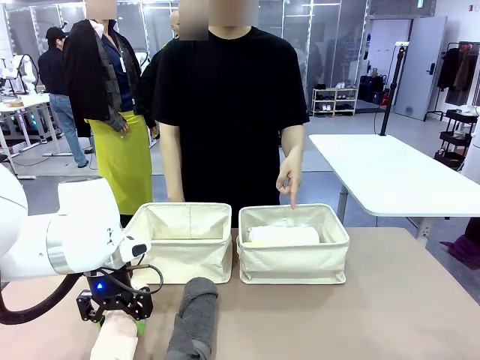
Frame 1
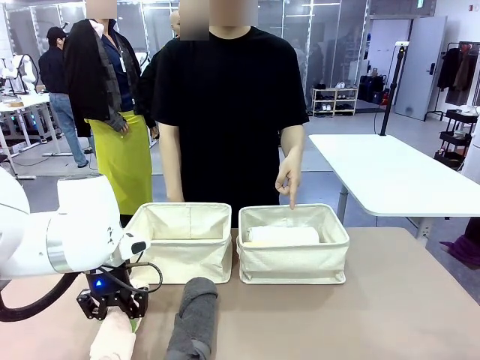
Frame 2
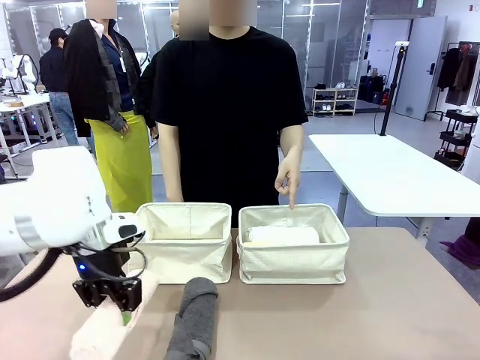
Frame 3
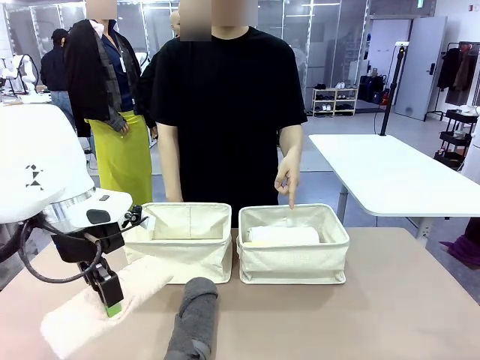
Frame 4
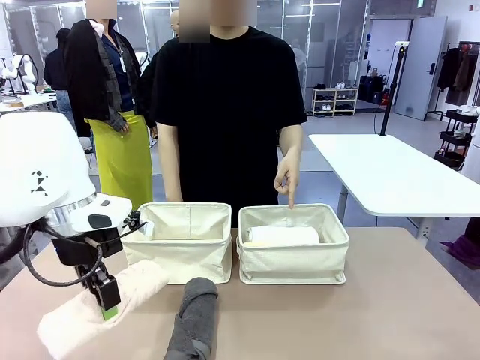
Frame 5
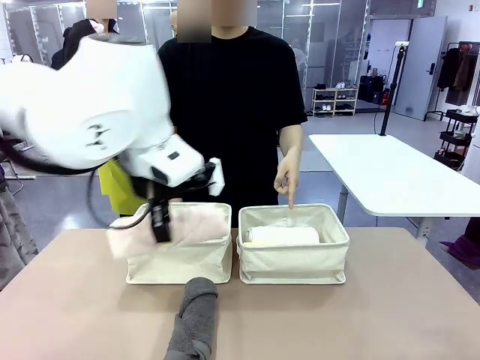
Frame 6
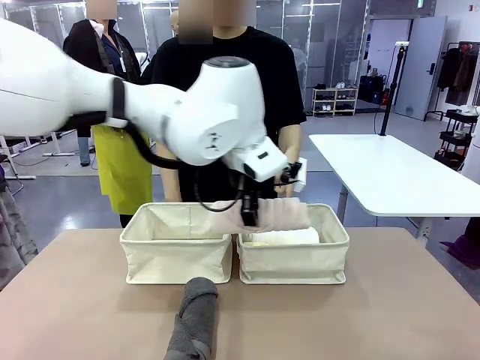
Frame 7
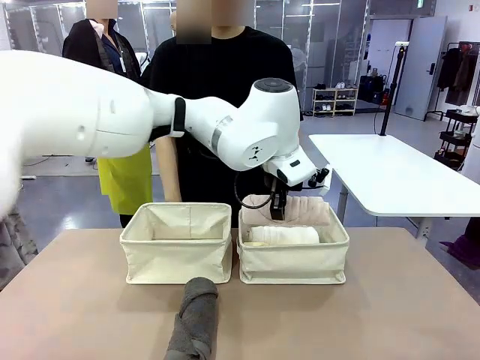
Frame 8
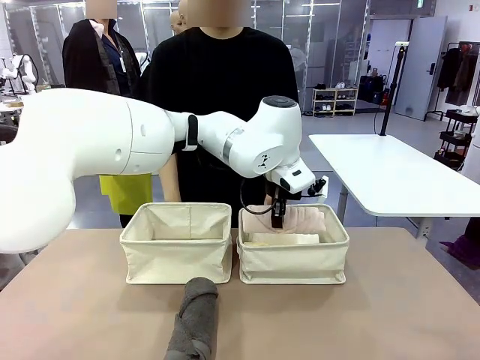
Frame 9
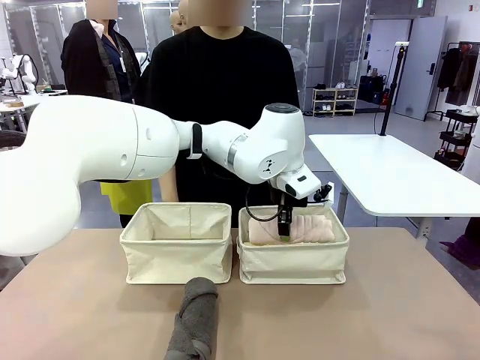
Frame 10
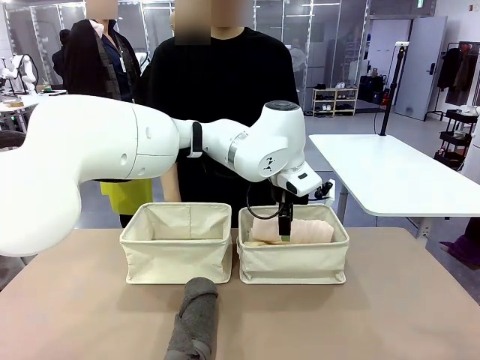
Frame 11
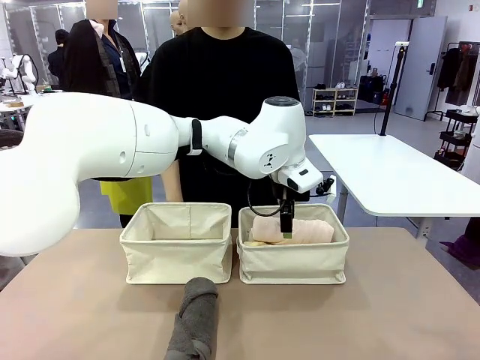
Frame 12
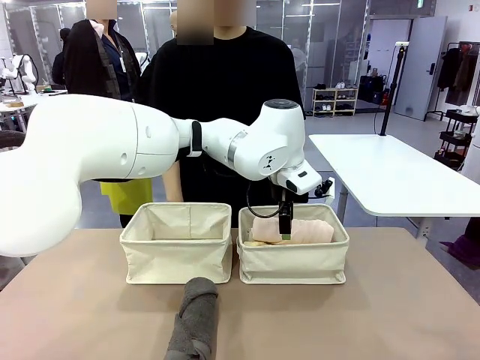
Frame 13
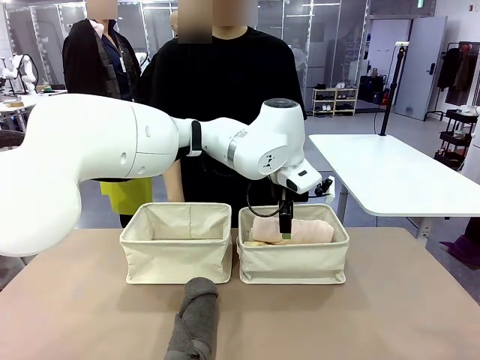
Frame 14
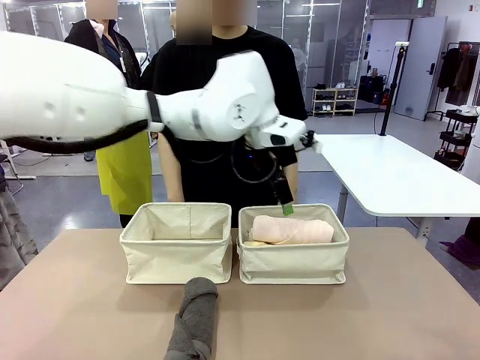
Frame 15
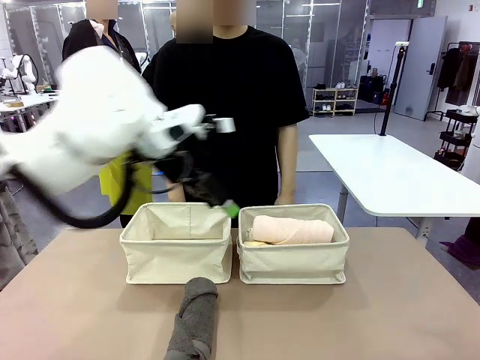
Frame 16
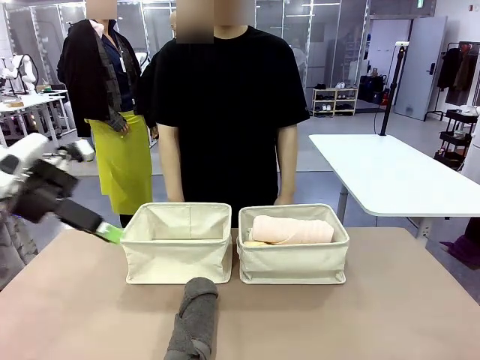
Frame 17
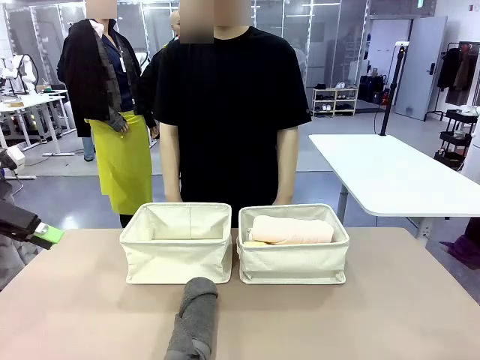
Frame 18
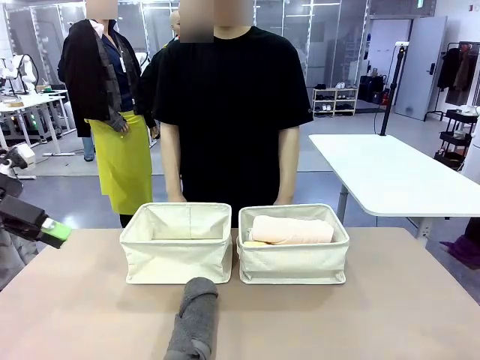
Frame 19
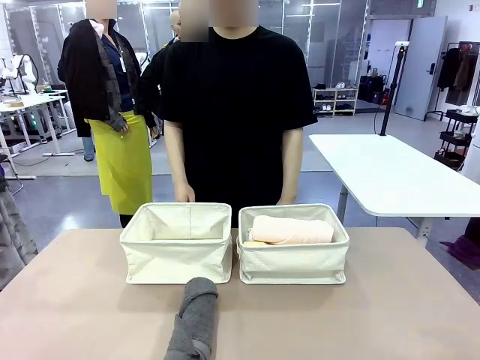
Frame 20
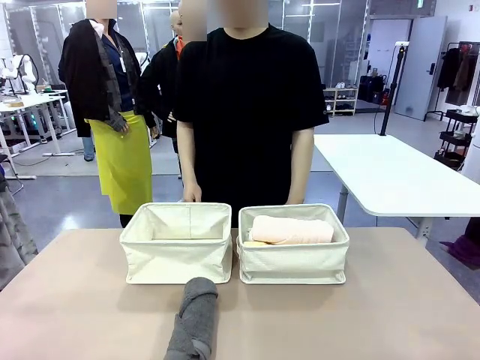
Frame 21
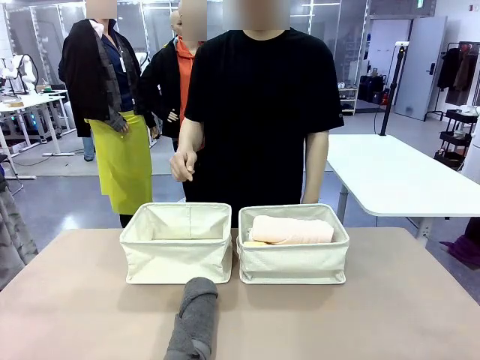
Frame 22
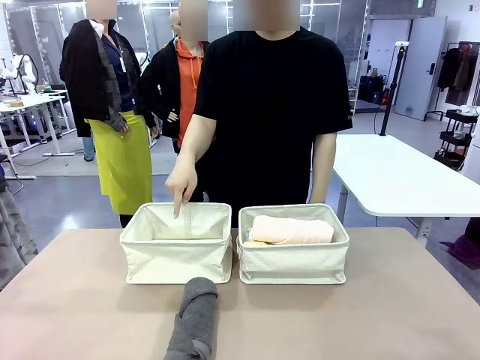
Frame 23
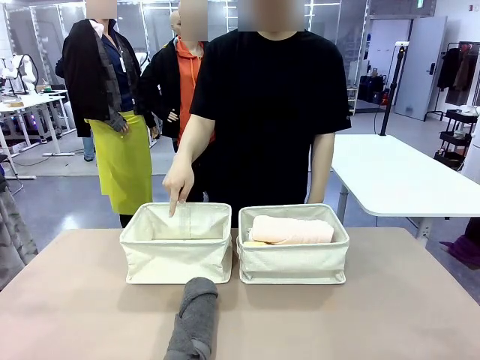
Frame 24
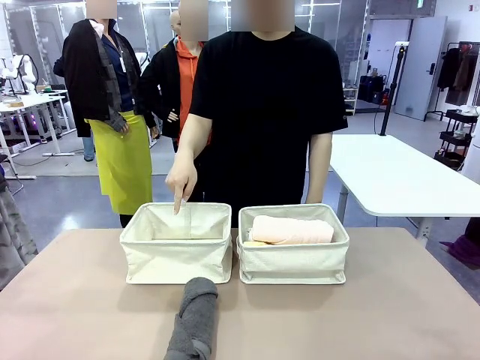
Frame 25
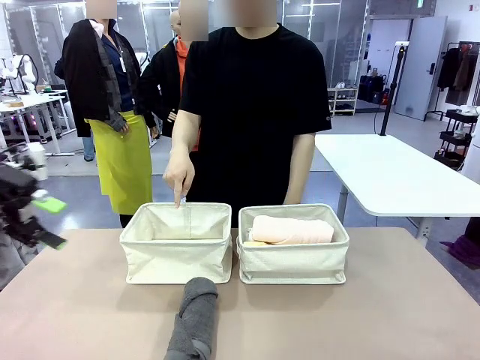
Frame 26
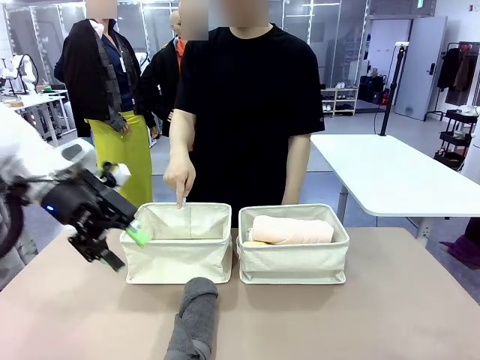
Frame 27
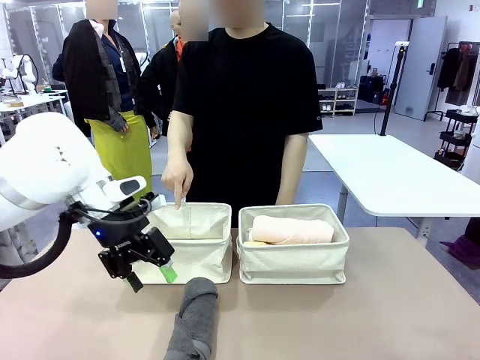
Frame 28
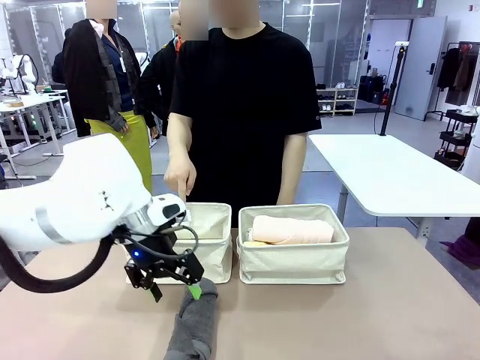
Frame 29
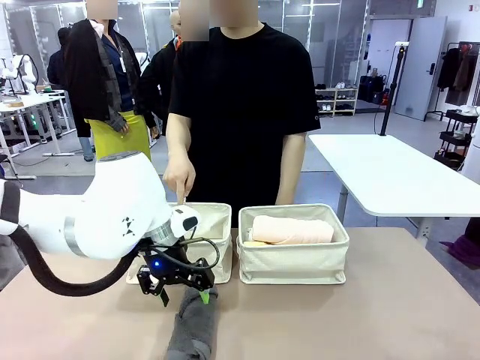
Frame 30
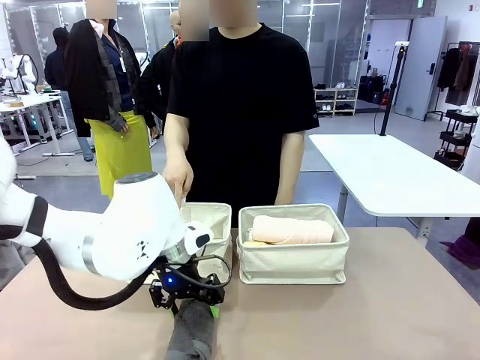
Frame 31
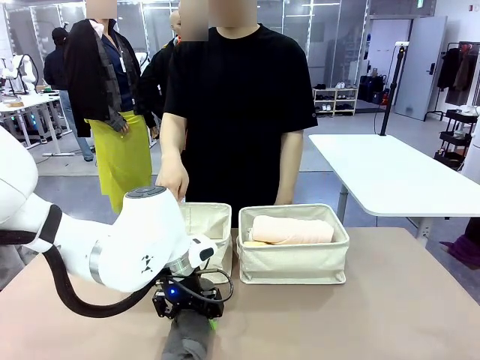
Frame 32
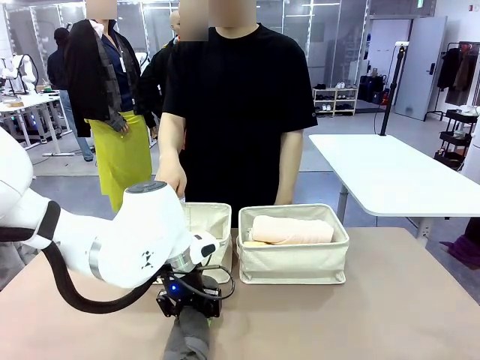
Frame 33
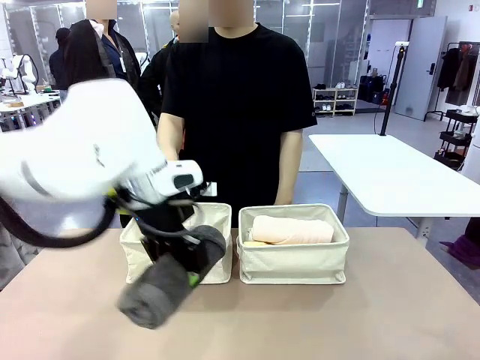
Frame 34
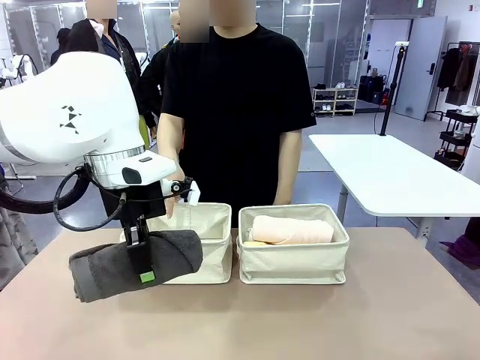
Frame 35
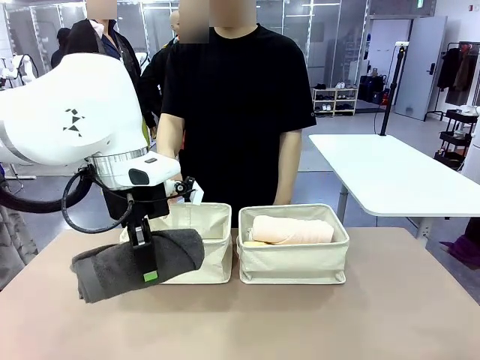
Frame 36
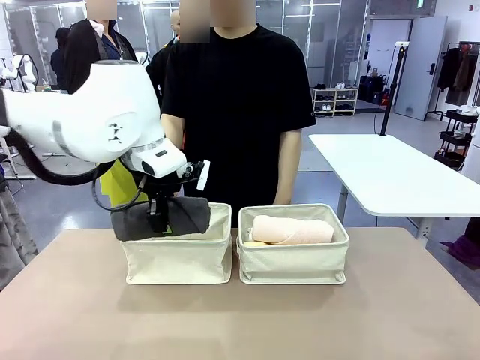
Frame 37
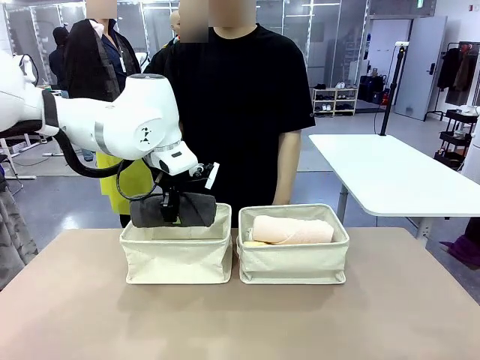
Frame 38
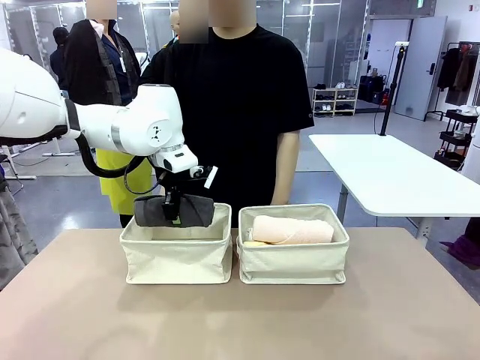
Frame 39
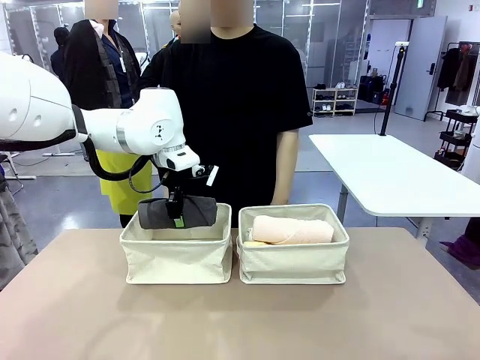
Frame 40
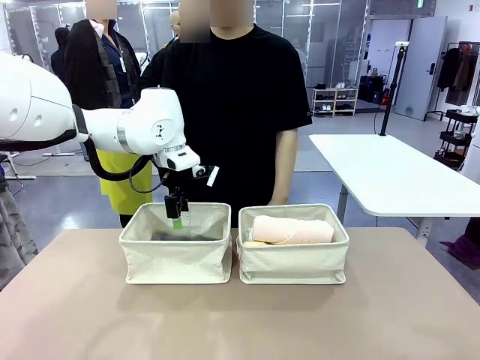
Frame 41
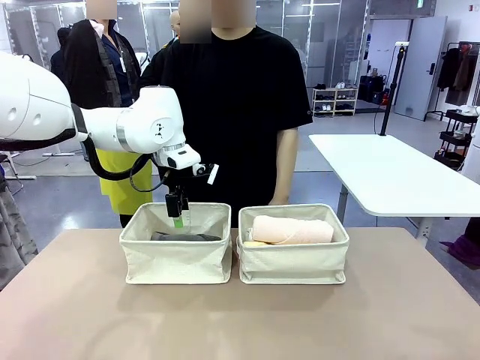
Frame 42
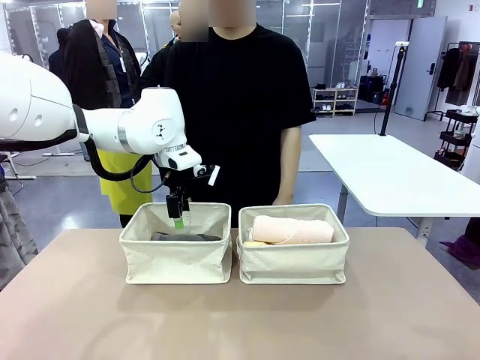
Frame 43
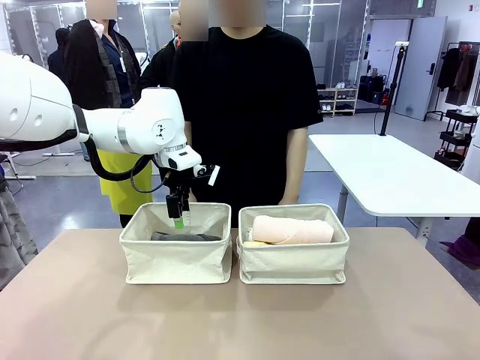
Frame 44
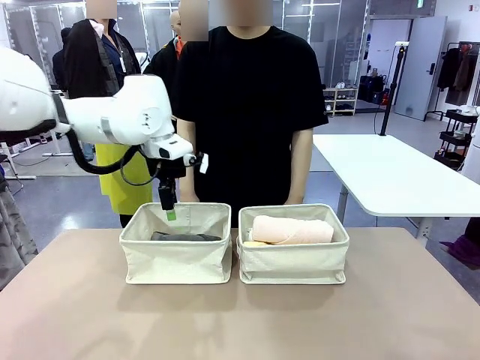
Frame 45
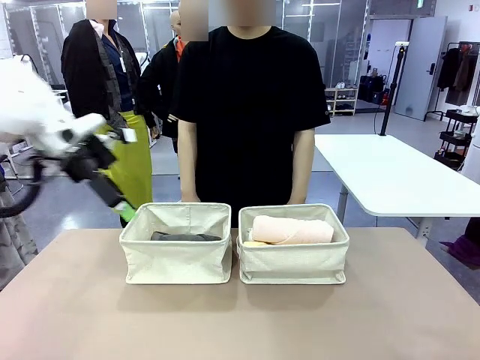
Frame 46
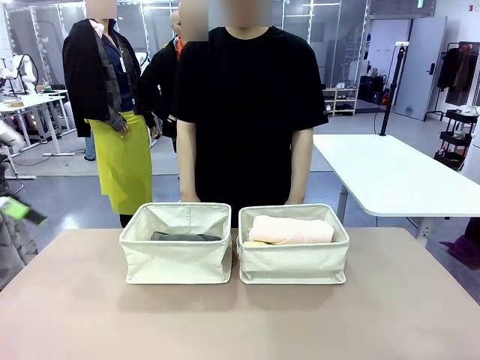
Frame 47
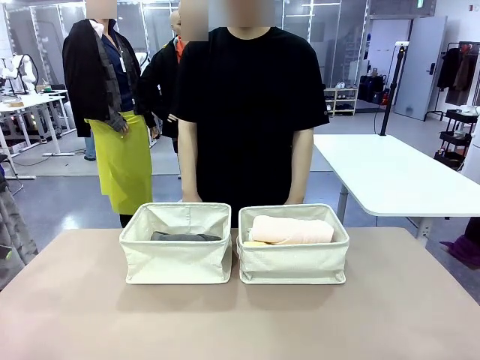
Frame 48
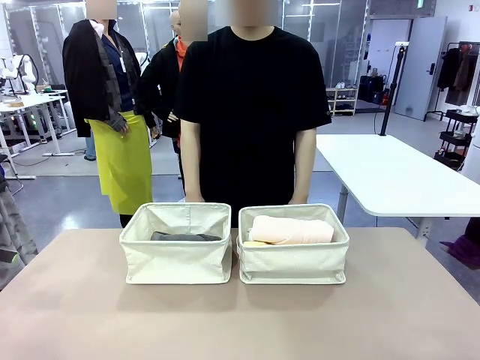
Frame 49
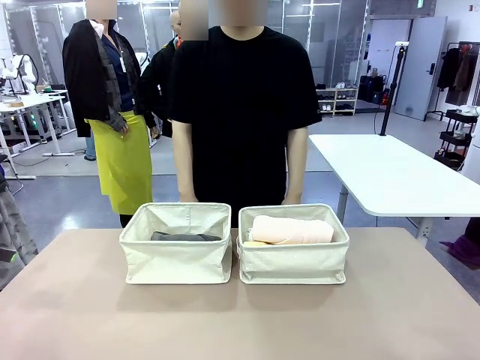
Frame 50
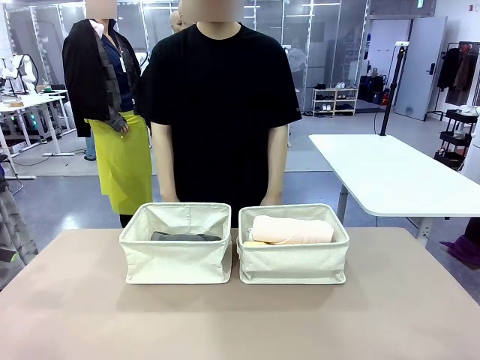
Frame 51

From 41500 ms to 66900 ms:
Task: Divide the towels into two baskets.
Robot: Pick up one hotel-folded towel from the bottom of the table and place it in the Fabric basket indicated by the person.
